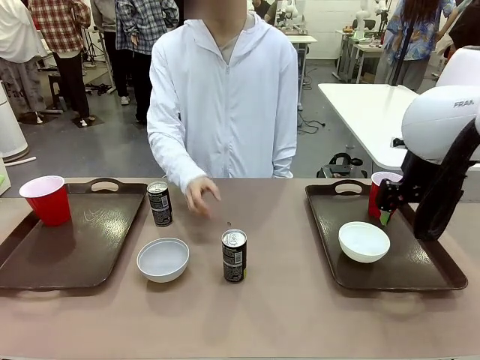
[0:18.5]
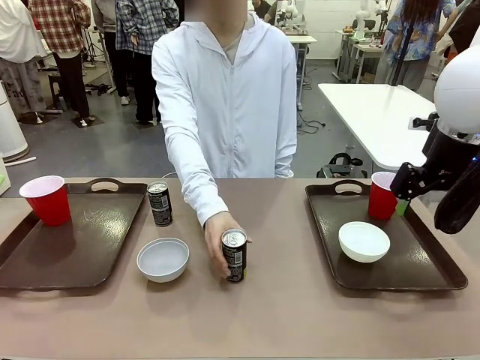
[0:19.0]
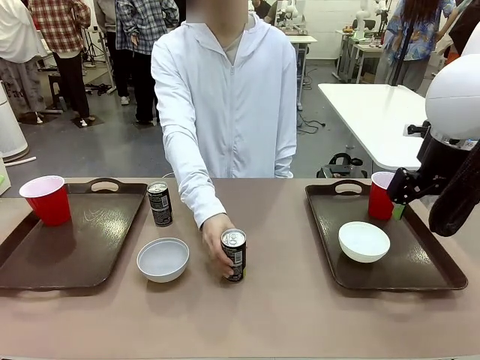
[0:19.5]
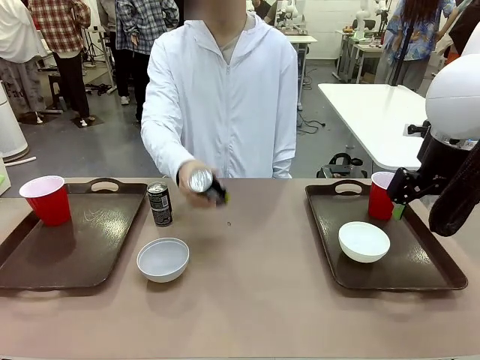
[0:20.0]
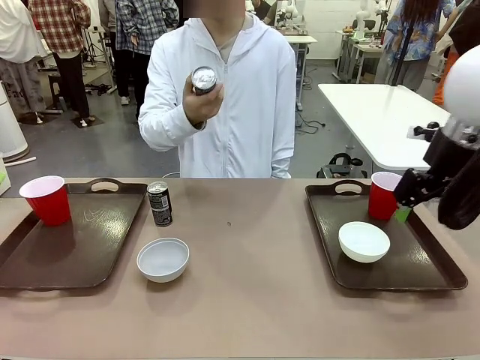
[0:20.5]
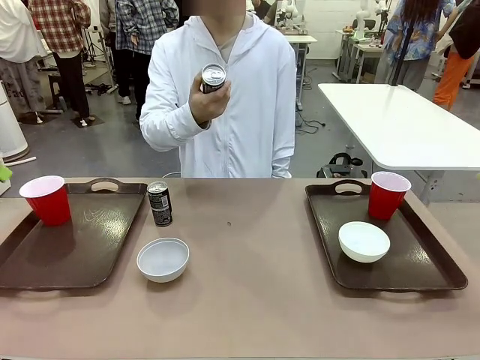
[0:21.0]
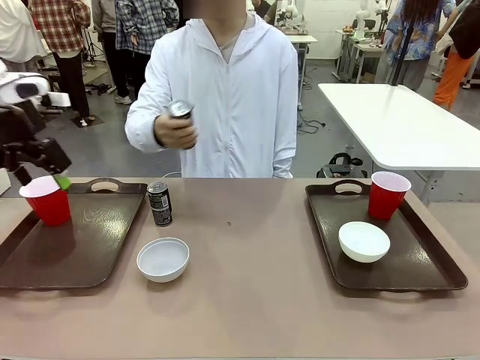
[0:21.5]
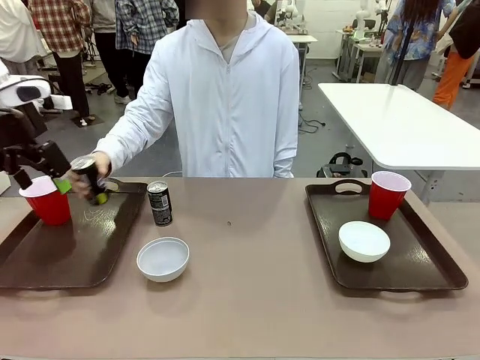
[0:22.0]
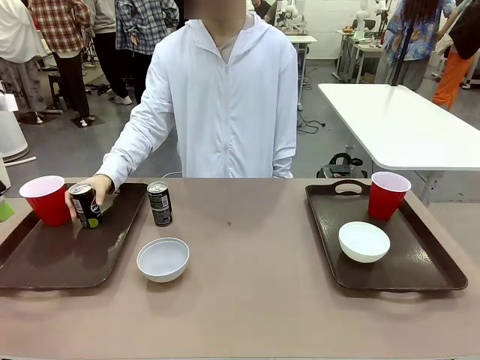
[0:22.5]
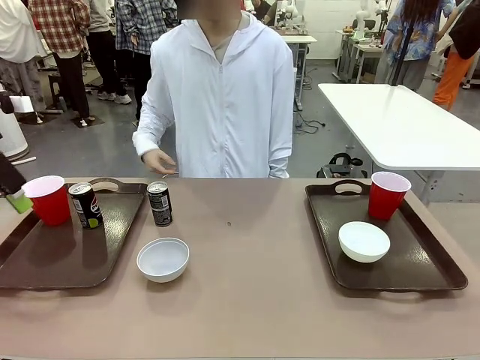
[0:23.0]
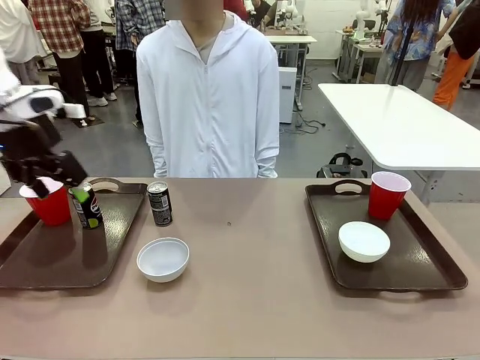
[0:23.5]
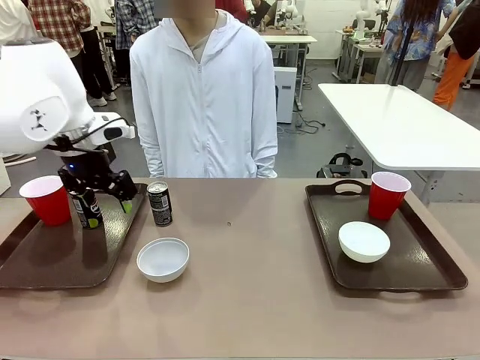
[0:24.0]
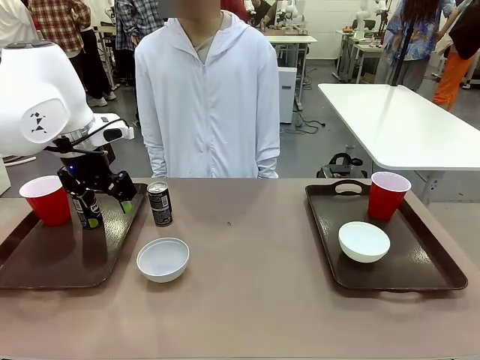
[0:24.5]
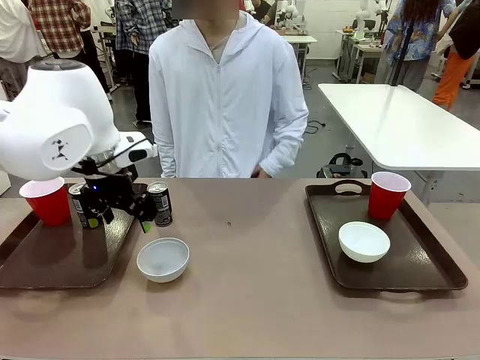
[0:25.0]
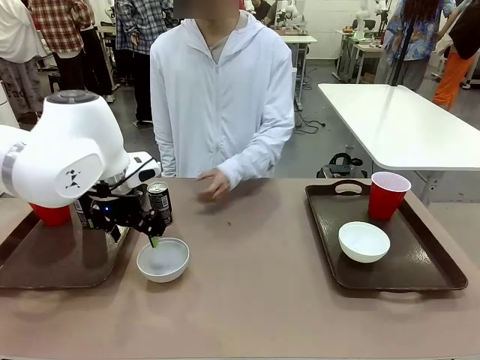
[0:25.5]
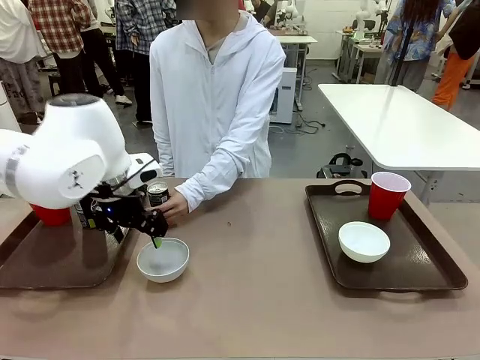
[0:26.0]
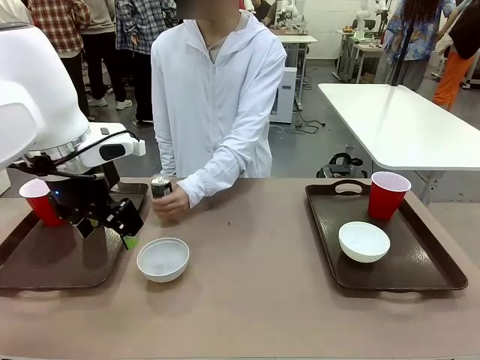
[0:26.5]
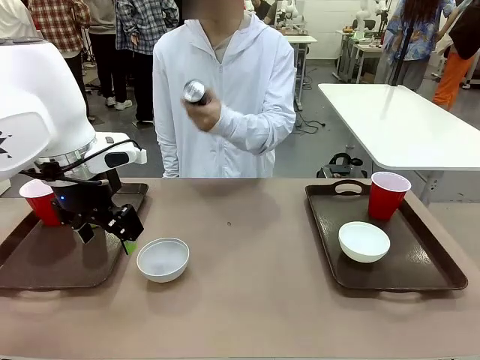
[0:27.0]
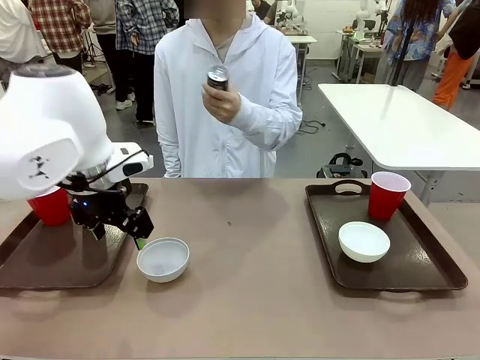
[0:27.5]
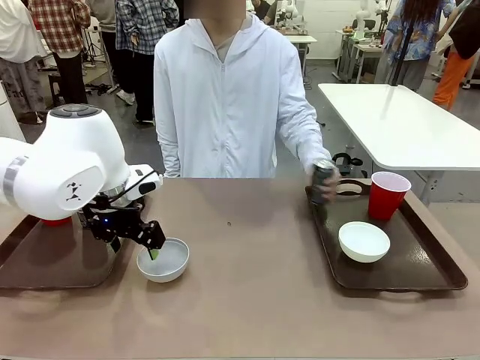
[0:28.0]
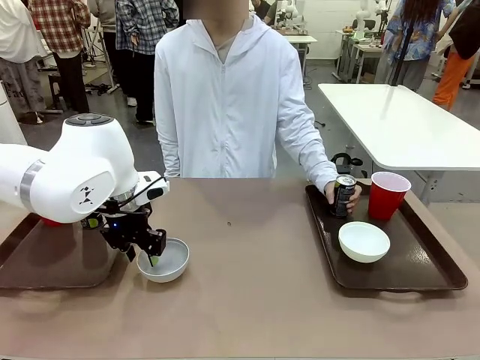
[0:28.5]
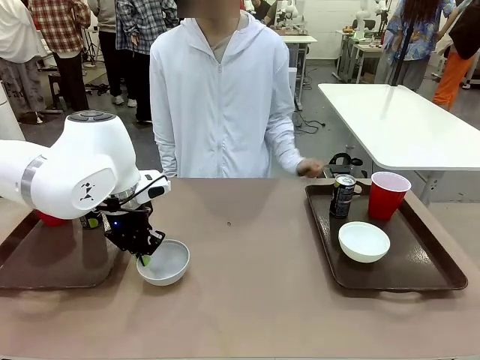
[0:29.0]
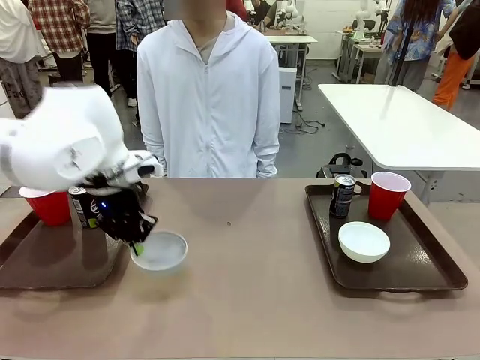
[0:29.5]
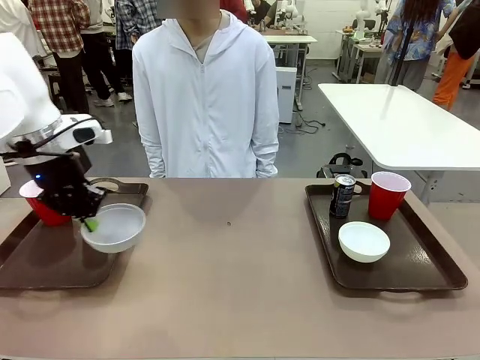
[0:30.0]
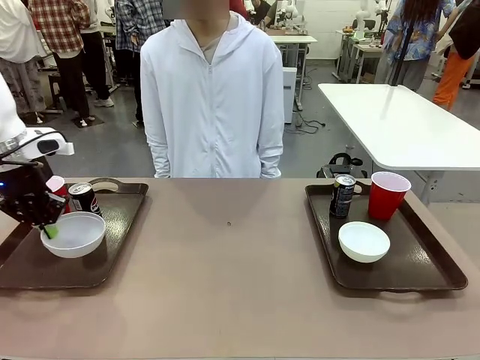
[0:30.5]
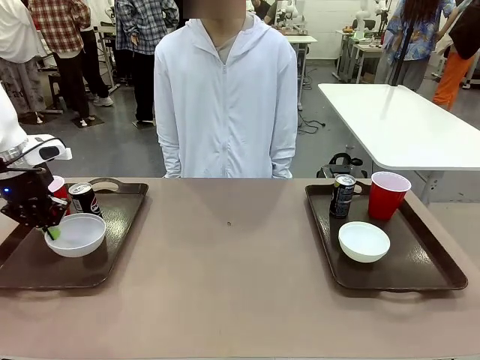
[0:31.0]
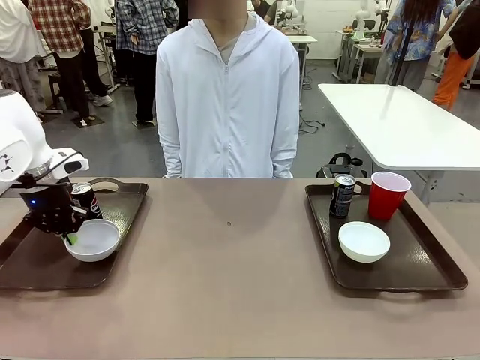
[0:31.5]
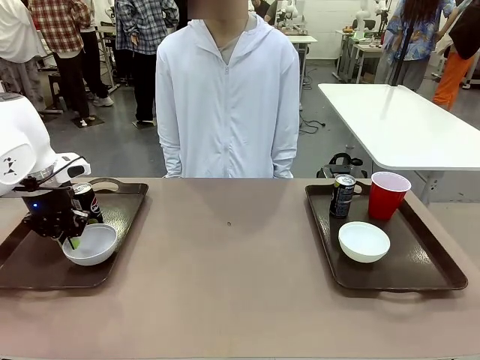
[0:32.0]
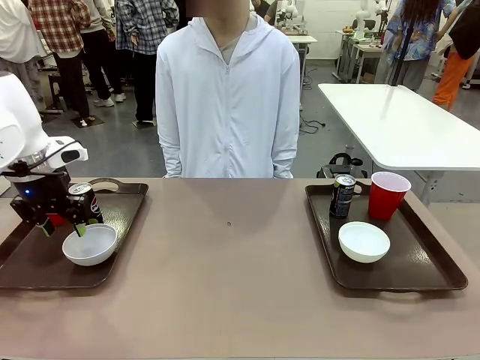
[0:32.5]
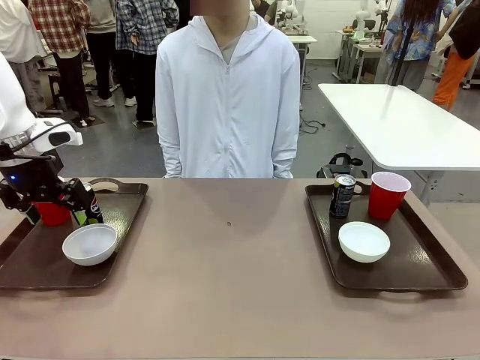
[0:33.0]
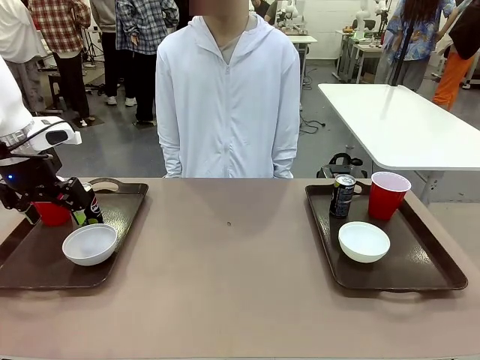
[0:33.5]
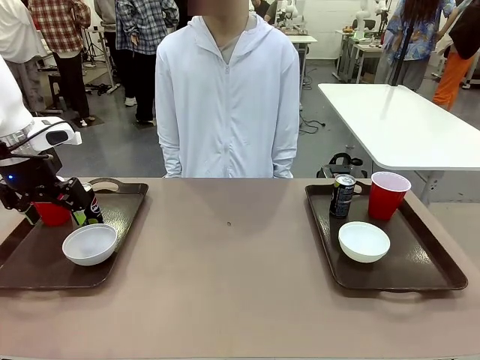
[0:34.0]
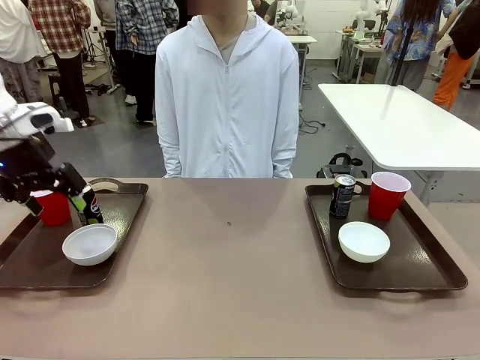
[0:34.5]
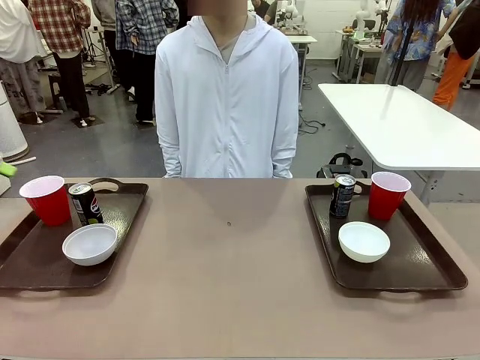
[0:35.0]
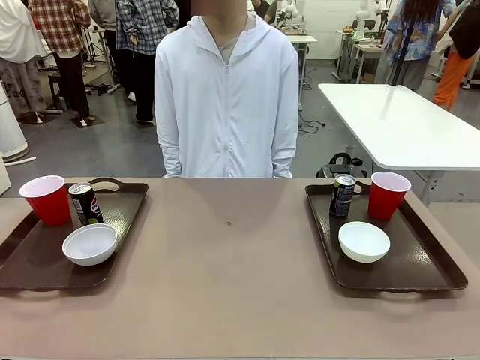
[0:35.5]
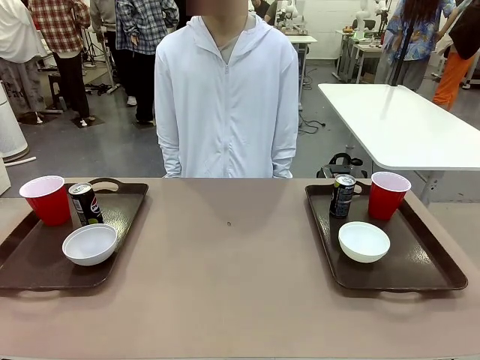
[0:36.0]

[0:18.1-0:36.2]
Task: Prepare tableware on both trays.
Robot: Pick up a Picnic Bowl from the table and place it on a Handle tray.
Person: Pick up a can or cup and place it on the tray without a can or cup.

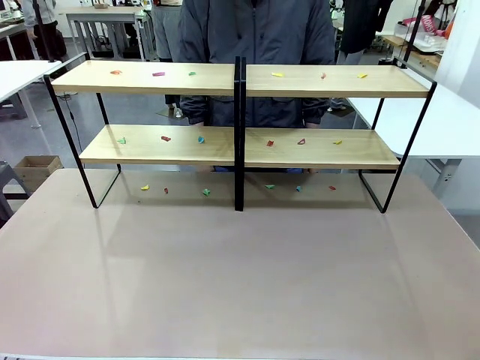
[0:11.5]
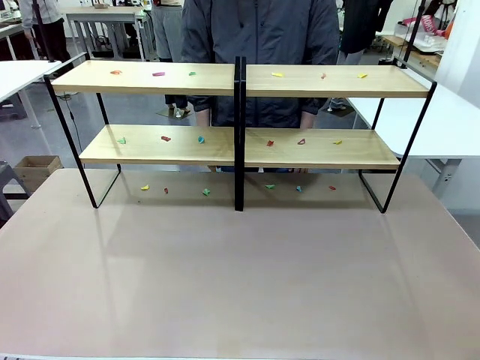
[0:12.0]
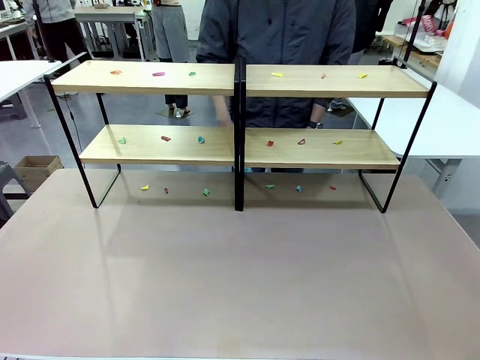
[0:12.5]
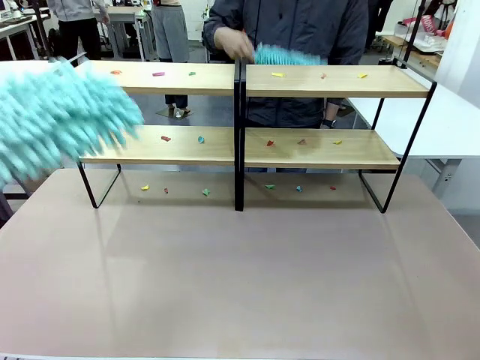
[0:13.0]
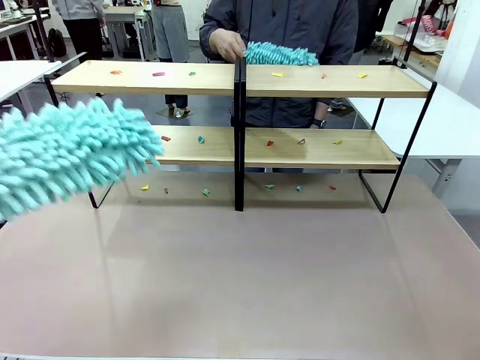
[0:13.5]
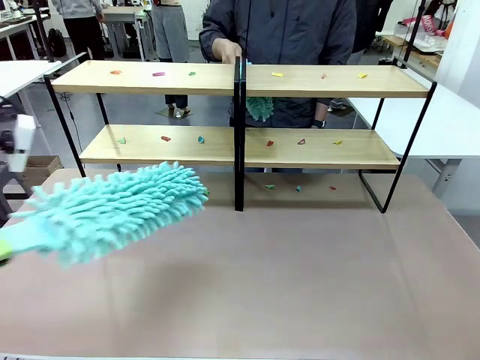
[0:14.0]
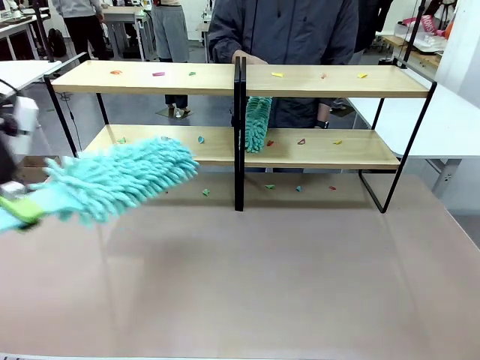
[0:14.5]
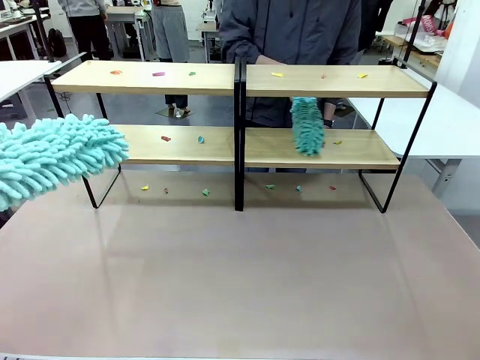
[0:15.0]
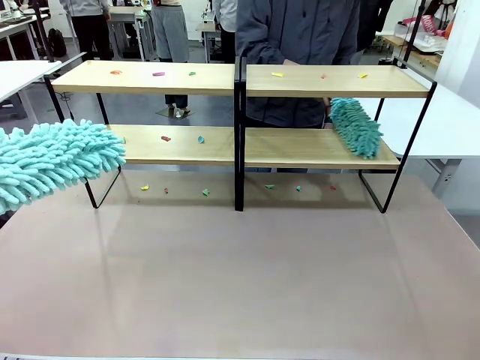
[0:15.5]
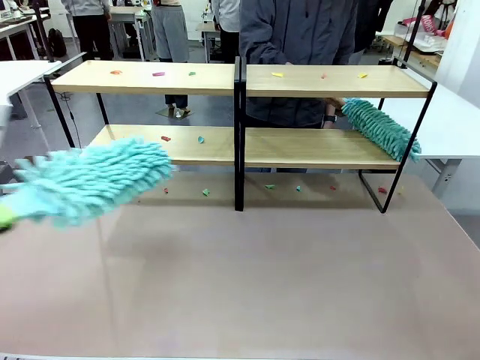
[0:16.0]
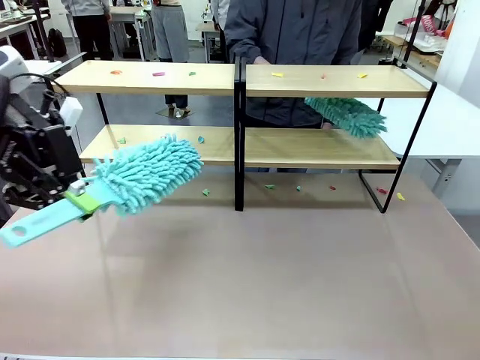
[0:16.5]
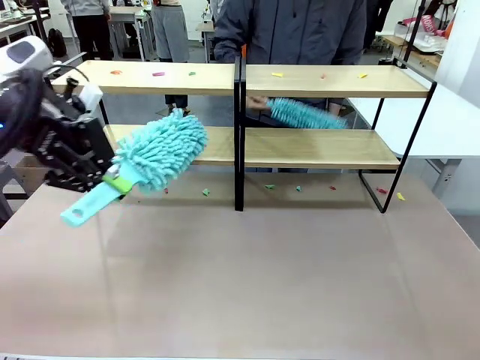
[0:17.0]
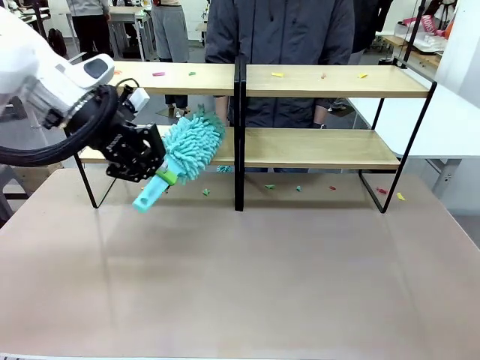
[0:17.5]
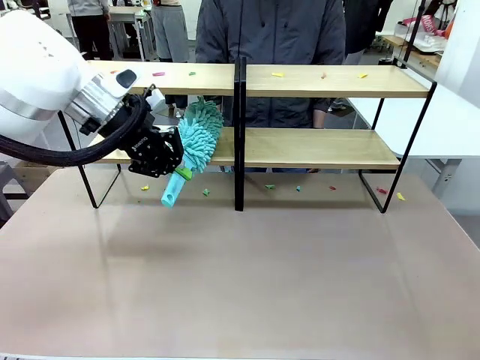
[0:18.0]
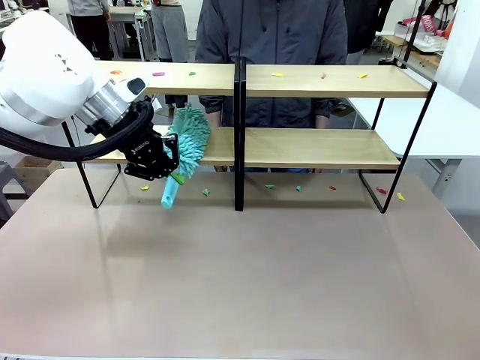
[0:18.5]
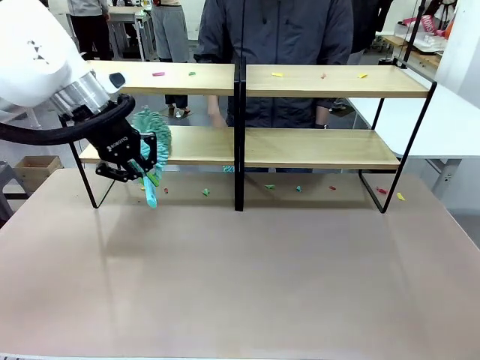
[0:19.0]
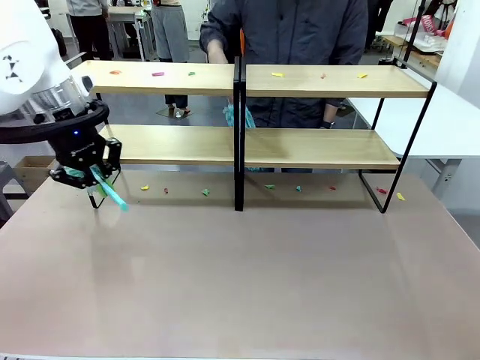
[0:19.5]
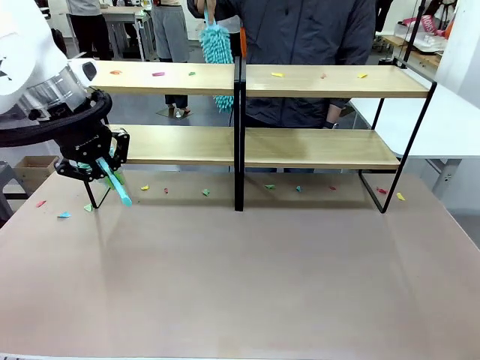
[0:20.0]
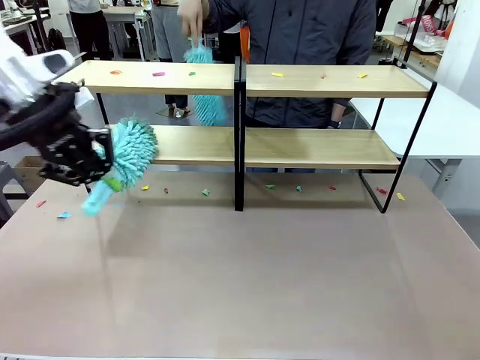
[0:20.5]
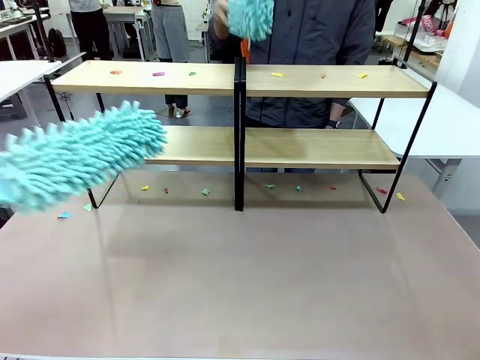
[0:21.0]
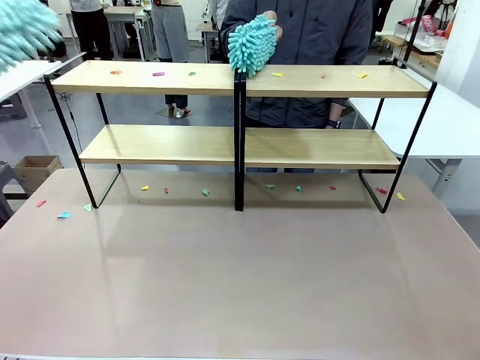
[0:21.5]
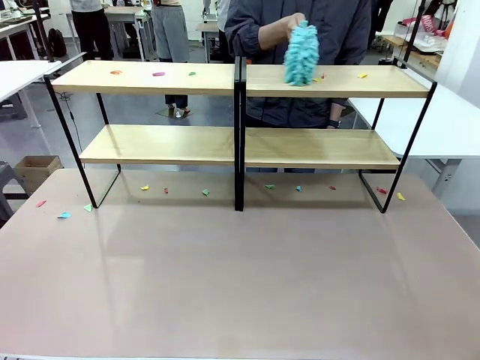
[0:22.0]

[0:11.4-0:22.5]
Task: Clean the shelves.
Robot: Clean a randomly selected level of the Shelf with the Duster.
